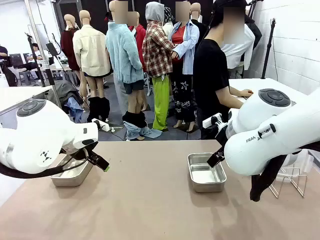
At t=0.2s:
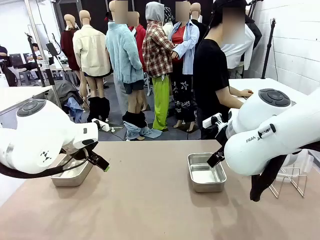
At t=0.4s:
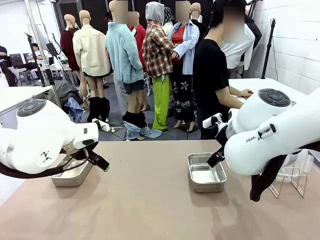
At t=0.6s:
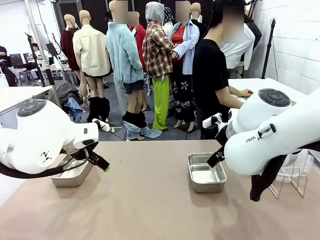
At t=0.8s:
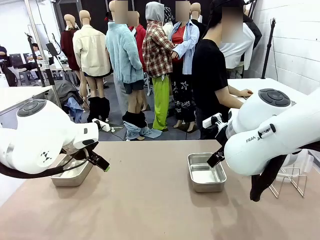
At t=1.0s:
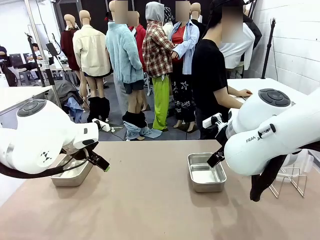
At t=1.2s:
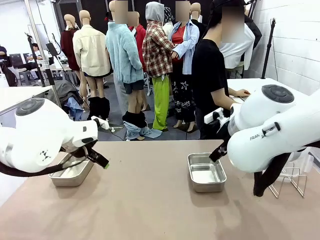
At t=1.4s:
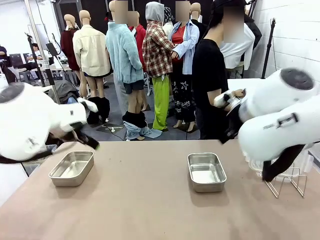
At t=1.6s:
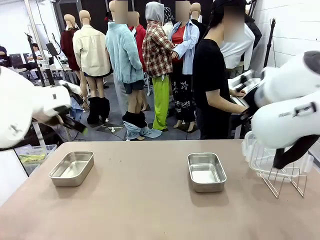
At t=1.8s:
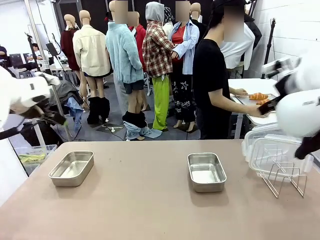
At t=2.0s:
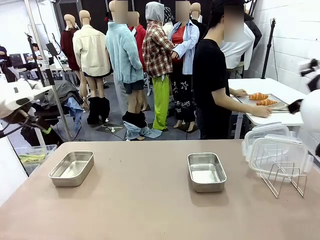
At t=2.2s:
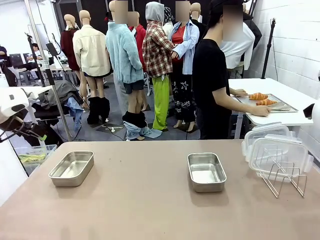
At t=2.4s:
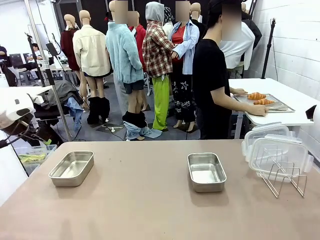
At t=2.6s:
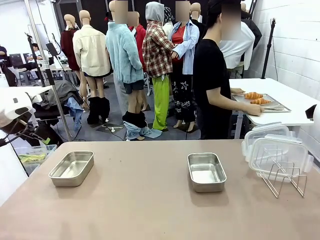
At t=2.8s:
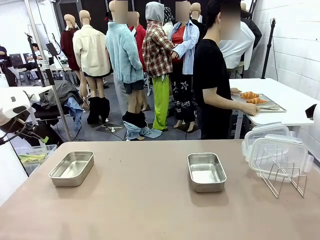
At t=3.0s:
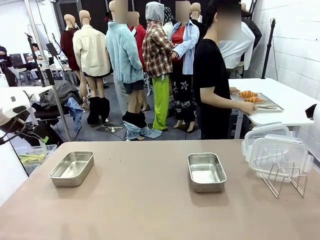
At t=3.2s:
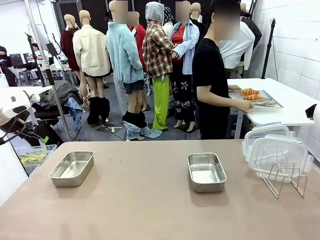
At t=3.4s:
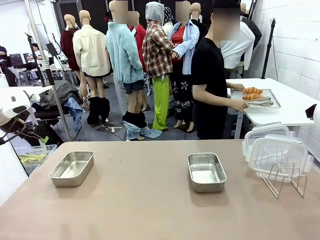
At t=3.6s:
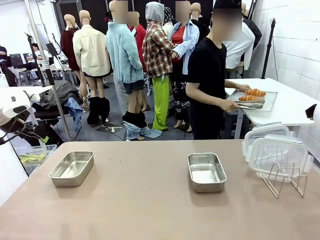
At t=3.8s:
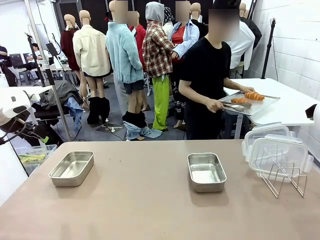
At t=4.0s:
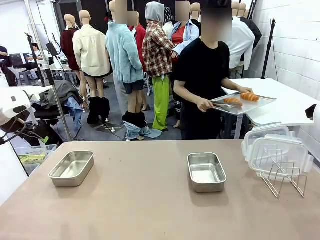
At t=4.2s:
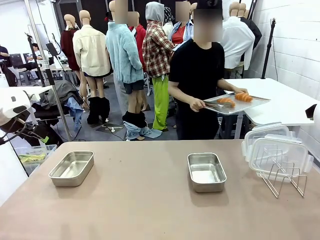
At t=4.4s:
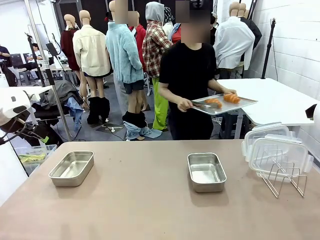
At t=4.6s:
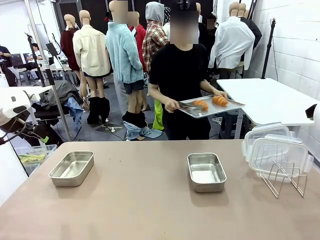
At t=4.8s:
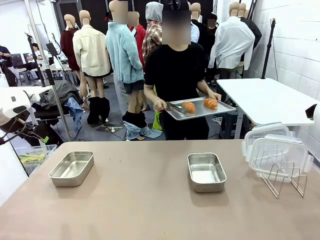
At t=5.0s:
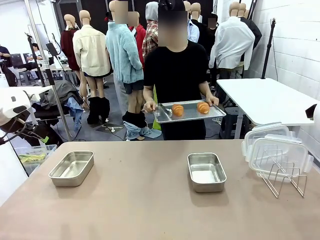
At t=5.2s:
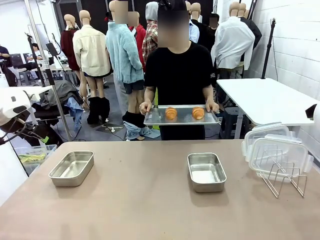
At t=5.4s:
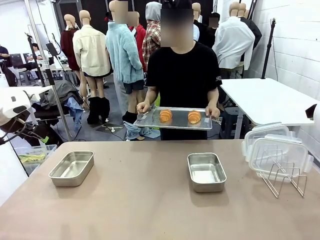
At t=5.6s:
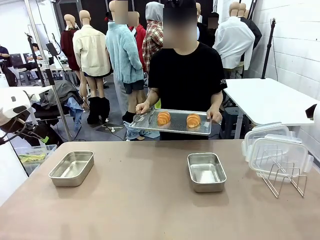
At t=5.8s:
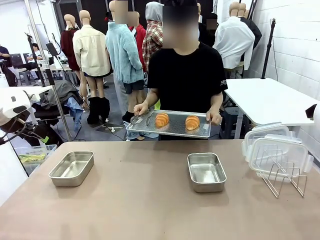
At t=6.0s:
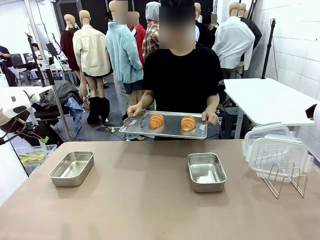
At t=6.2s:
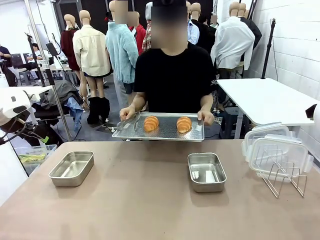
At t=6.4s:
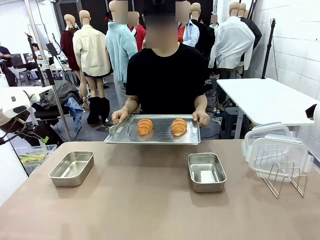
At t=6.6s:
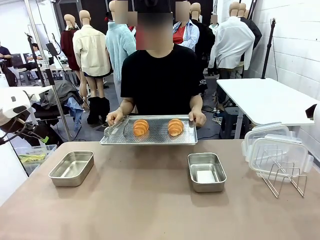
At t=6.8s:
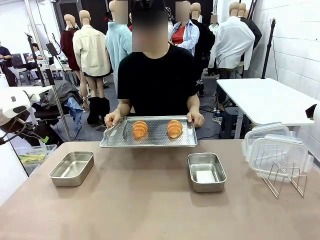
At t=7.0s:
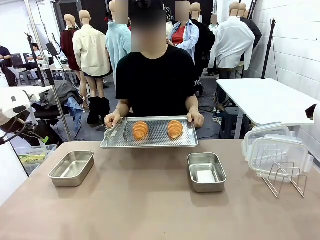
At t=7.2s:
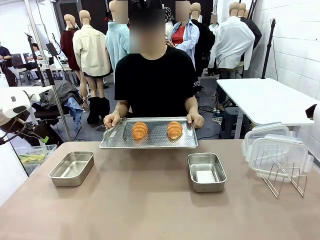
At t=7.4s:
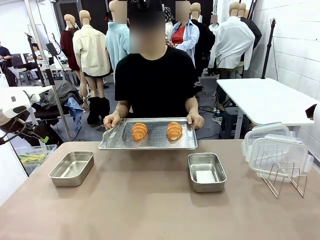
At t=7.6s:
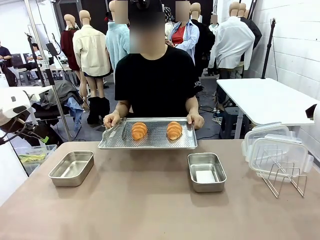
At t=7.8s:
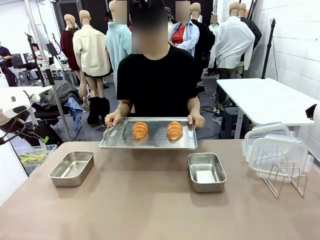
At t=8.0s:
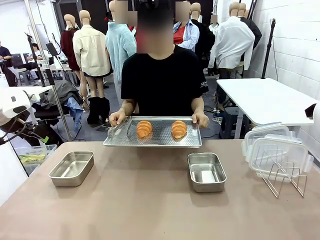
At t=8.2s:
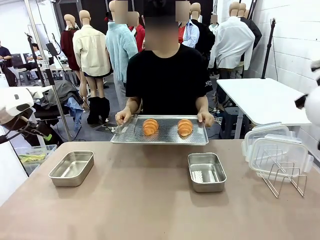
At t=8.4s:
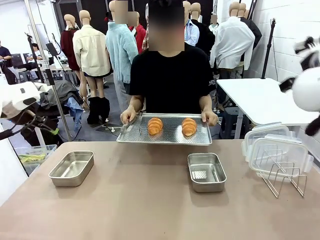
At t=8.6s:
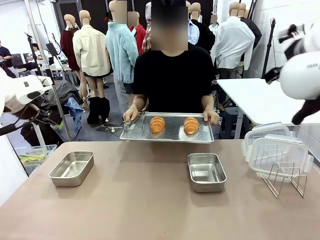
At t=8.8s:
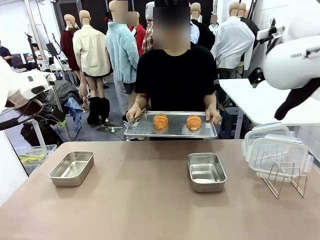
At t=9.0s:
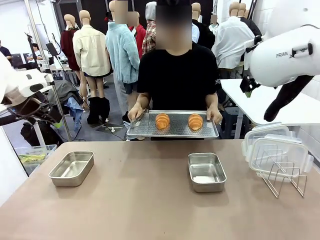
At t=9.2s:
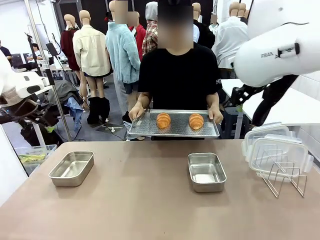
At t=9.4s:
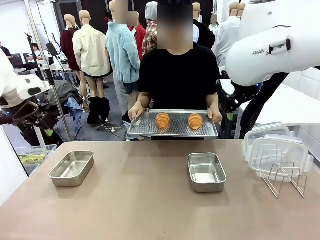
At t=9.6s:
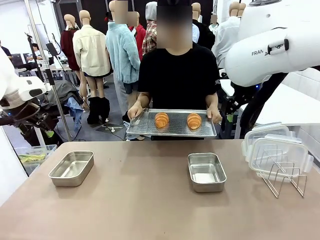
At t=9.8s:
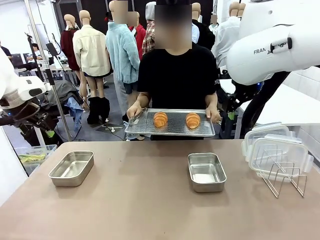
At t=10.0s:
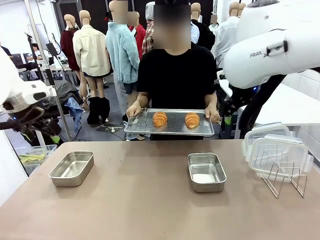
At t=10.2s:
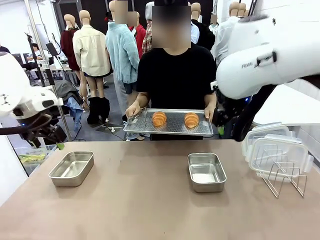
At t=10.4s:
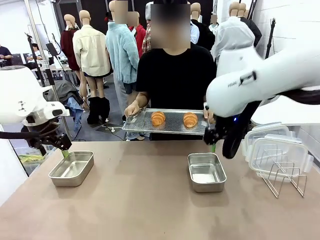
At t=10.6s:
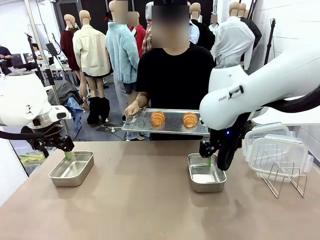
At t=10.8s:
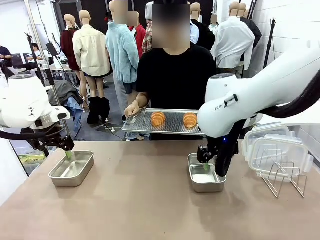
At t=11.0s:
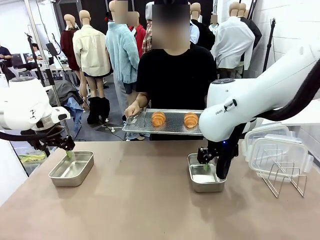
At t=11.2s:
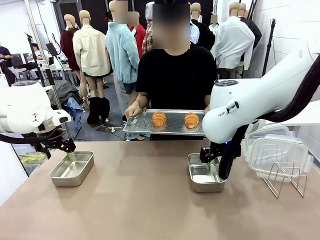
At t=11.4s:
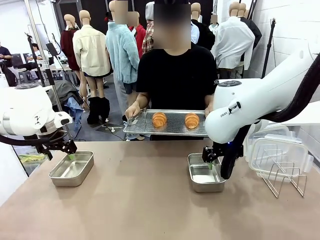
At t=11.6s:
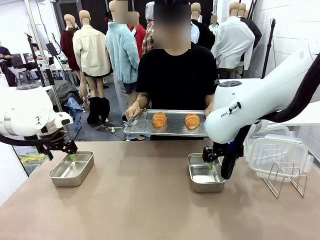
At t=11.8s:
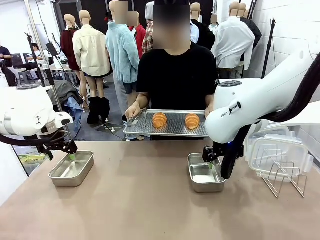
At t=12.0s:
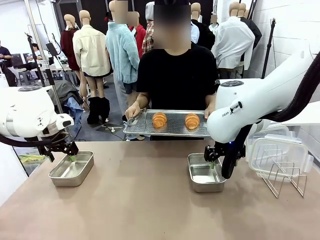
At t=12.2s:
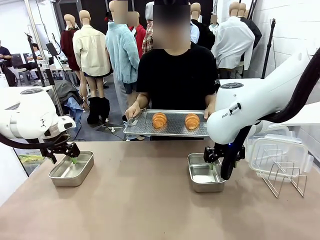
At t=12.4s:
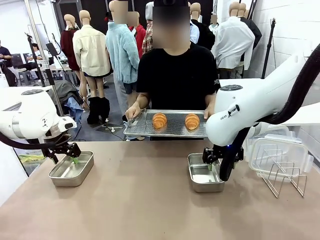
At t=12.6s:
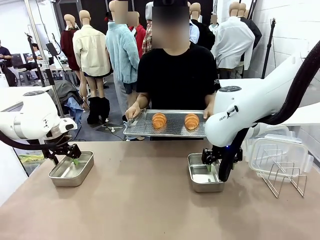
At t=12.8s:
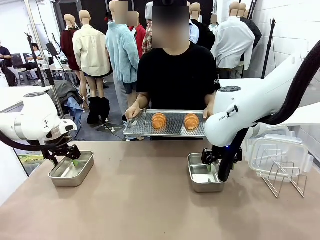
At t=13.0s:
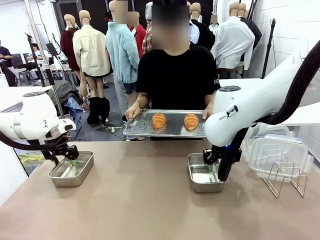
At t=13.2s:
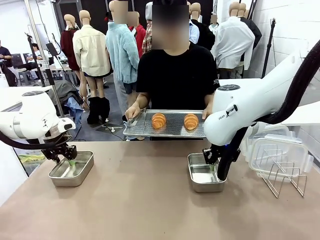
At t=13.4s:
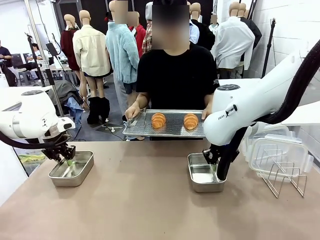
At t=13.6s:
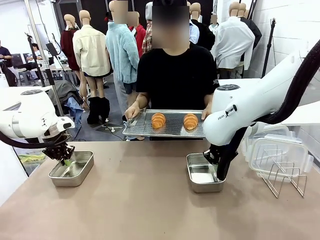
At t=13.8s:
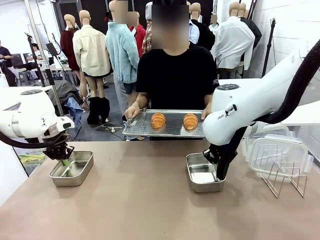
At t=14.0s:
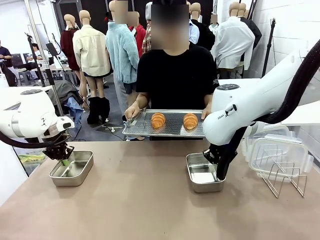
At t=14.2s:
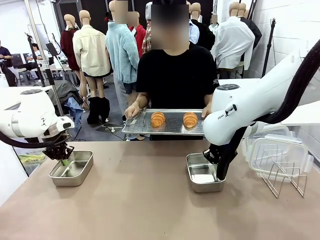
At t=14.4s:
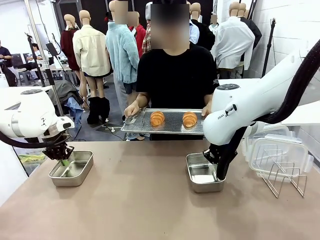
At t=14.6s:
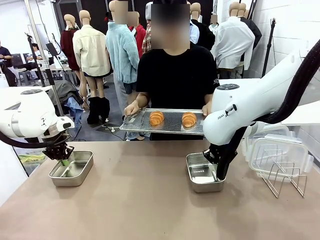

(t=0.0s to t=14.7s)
Task: Place the bread in airtight containers.
Robot: Lift both Airtight Container.
Person: Bring the Baking Sheet in front of Robot's Table.
